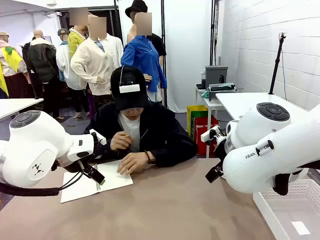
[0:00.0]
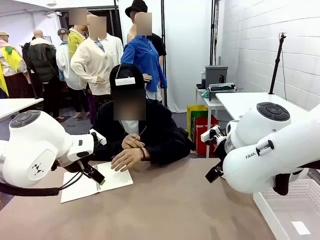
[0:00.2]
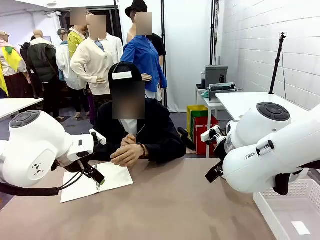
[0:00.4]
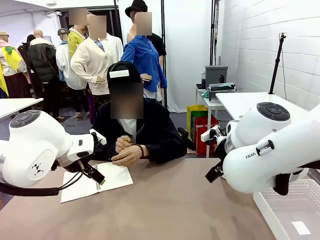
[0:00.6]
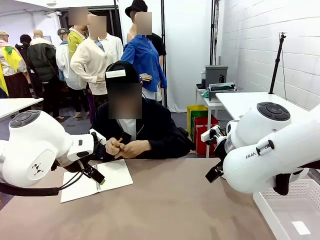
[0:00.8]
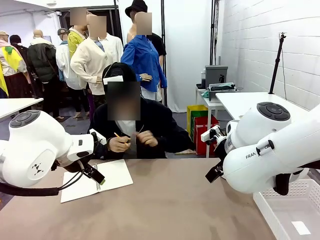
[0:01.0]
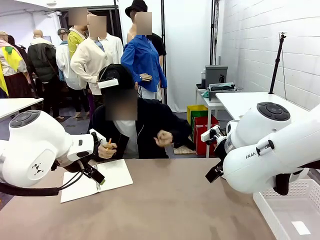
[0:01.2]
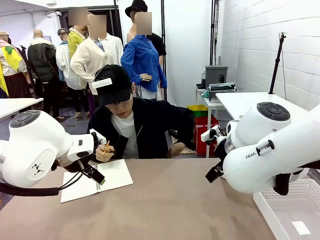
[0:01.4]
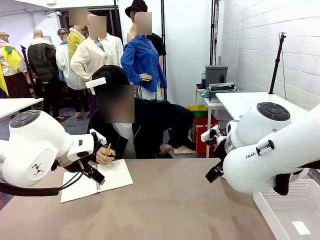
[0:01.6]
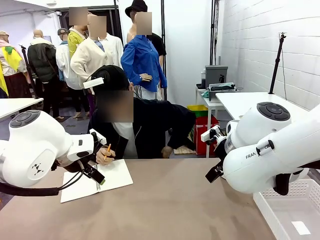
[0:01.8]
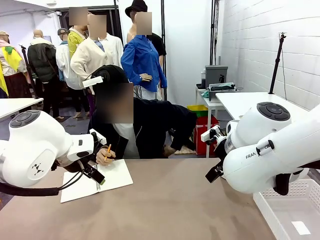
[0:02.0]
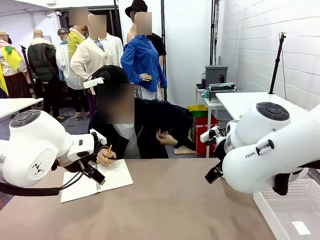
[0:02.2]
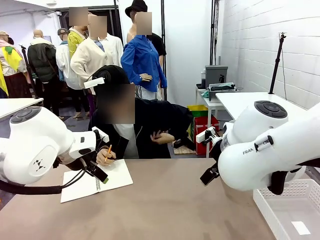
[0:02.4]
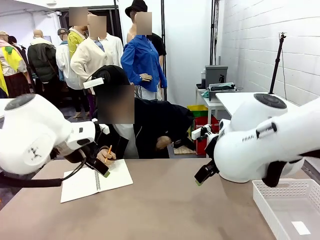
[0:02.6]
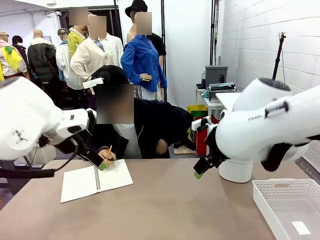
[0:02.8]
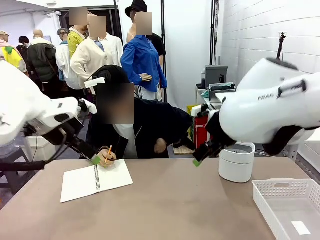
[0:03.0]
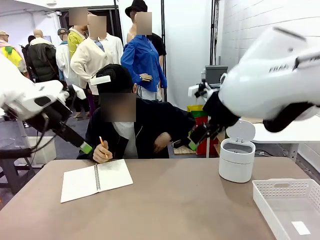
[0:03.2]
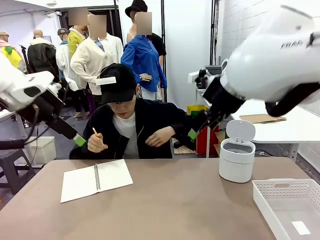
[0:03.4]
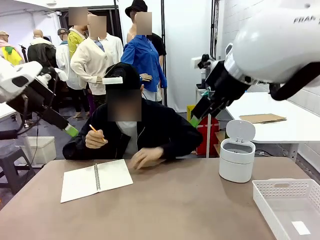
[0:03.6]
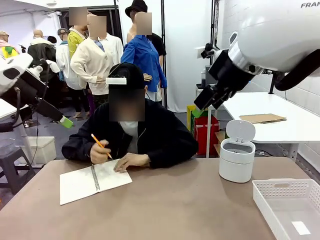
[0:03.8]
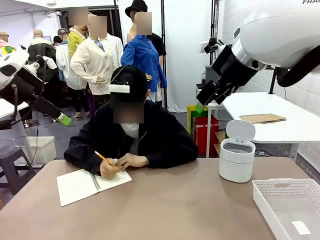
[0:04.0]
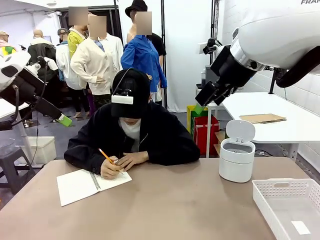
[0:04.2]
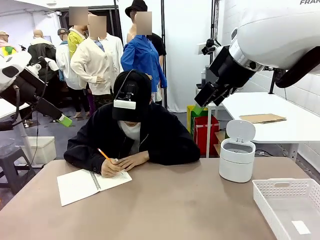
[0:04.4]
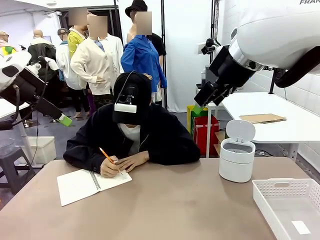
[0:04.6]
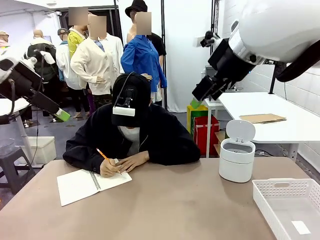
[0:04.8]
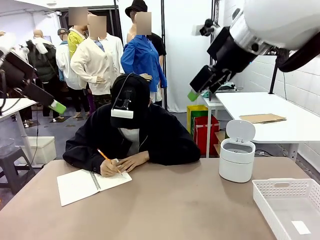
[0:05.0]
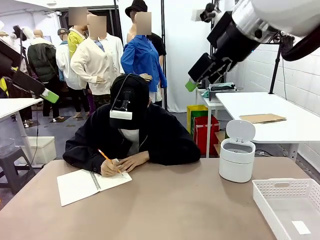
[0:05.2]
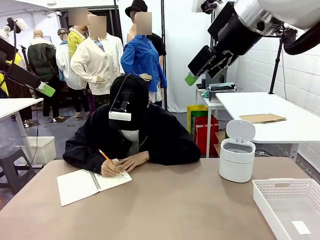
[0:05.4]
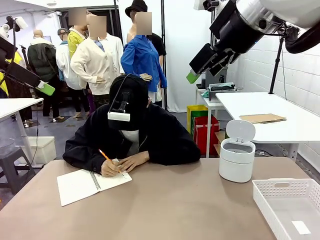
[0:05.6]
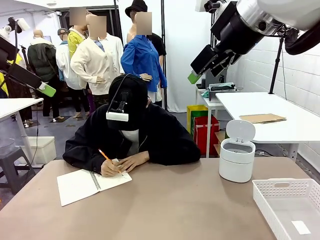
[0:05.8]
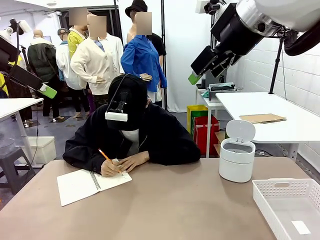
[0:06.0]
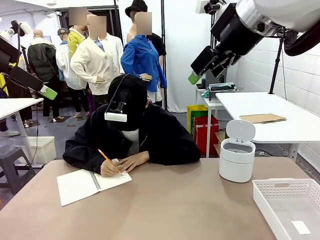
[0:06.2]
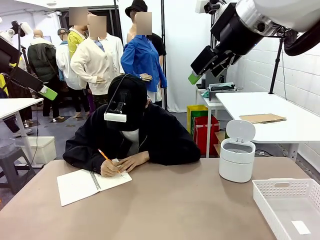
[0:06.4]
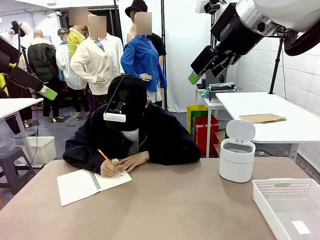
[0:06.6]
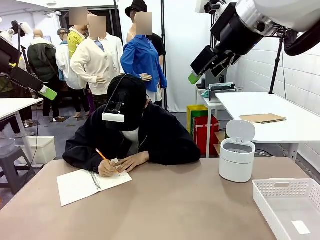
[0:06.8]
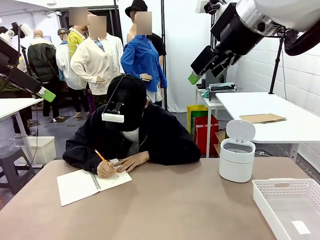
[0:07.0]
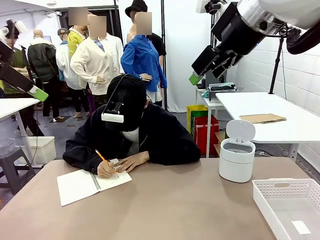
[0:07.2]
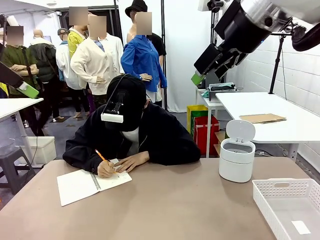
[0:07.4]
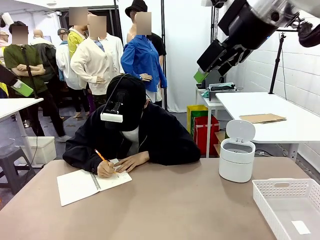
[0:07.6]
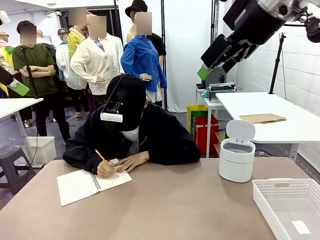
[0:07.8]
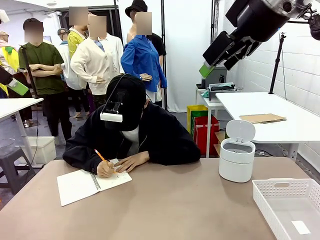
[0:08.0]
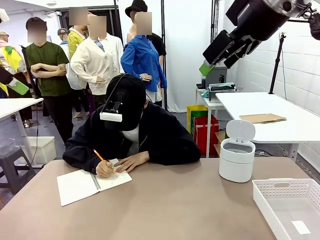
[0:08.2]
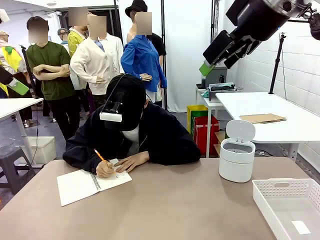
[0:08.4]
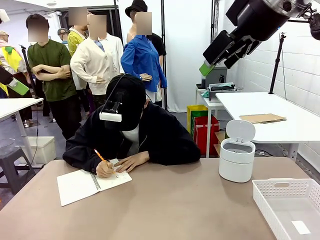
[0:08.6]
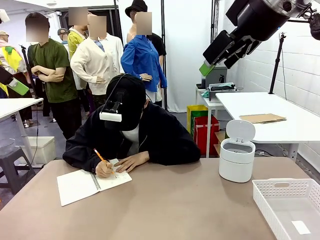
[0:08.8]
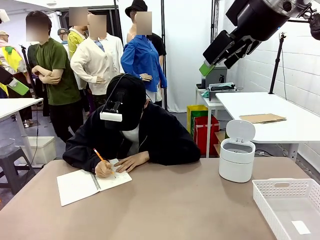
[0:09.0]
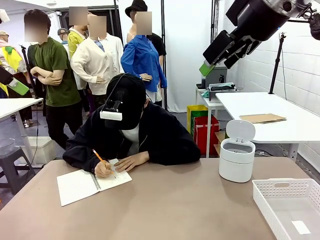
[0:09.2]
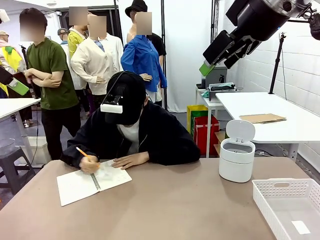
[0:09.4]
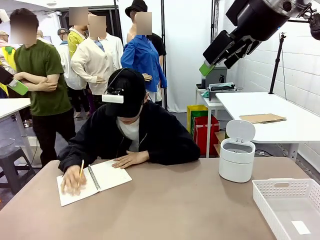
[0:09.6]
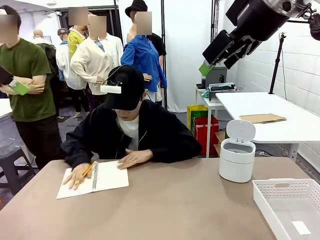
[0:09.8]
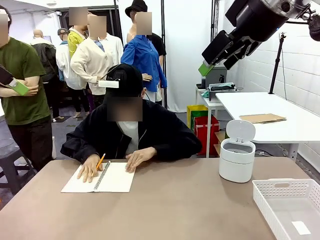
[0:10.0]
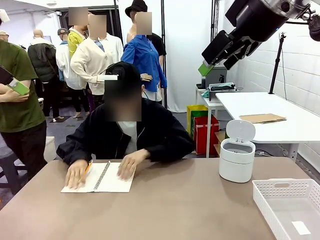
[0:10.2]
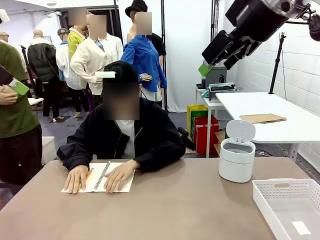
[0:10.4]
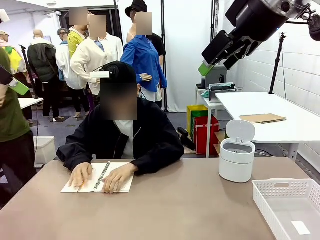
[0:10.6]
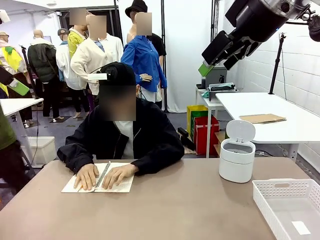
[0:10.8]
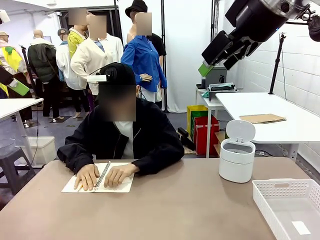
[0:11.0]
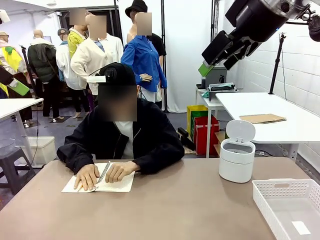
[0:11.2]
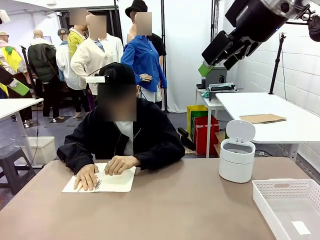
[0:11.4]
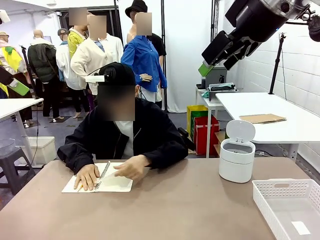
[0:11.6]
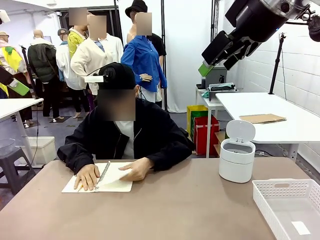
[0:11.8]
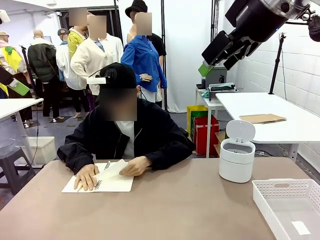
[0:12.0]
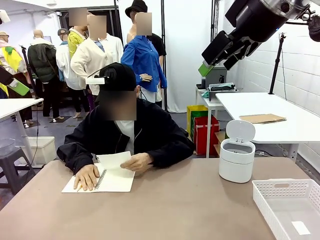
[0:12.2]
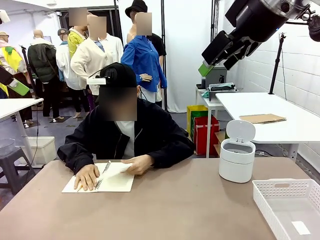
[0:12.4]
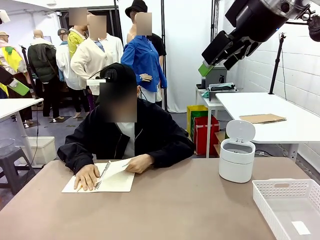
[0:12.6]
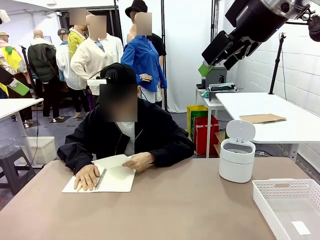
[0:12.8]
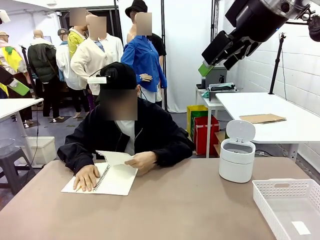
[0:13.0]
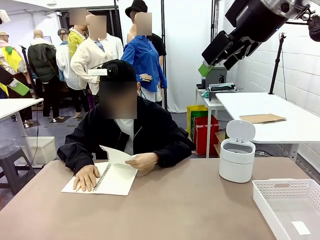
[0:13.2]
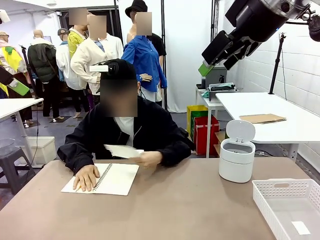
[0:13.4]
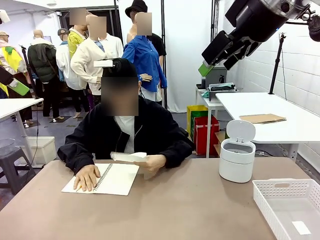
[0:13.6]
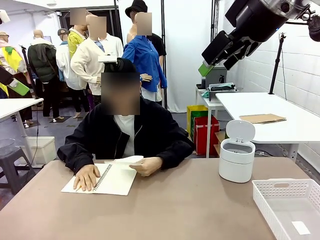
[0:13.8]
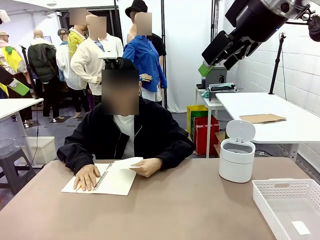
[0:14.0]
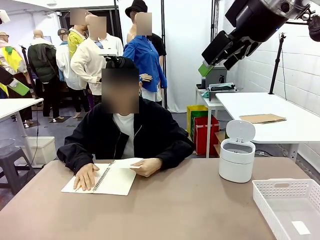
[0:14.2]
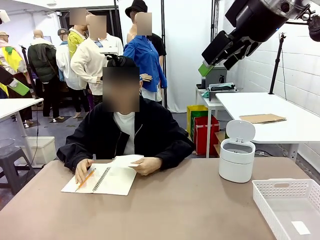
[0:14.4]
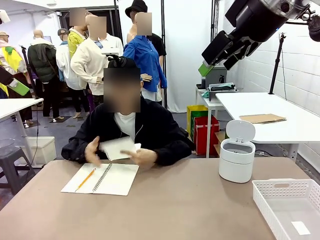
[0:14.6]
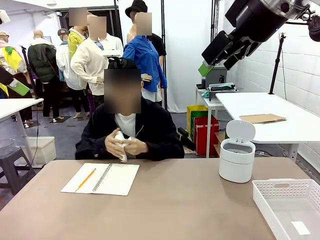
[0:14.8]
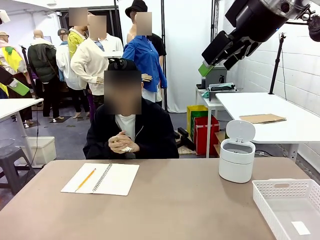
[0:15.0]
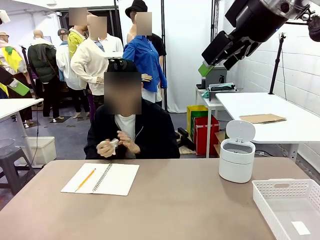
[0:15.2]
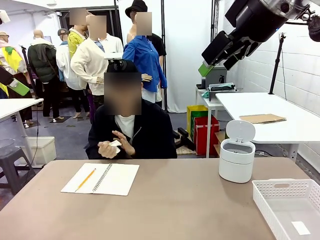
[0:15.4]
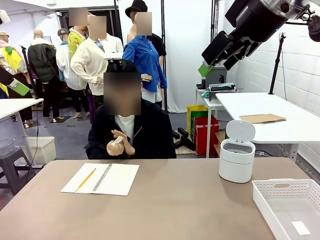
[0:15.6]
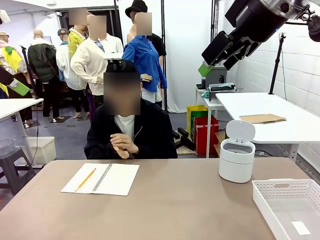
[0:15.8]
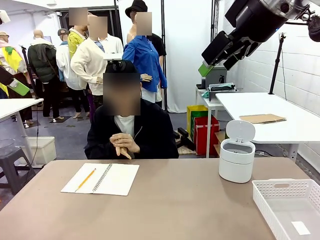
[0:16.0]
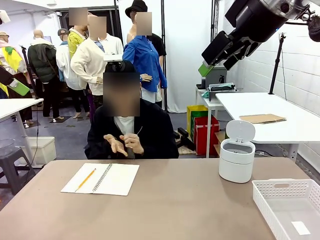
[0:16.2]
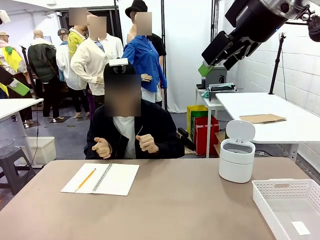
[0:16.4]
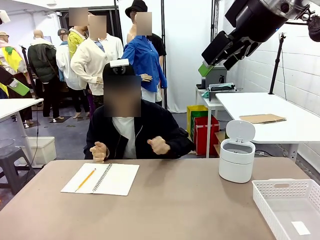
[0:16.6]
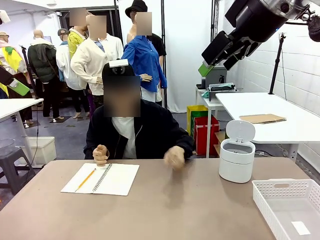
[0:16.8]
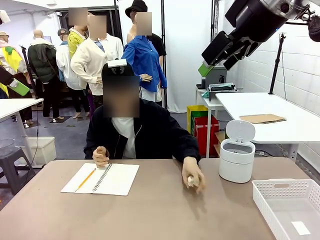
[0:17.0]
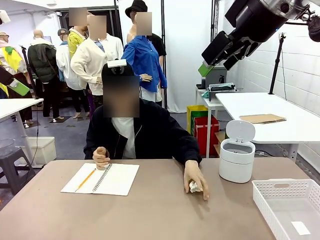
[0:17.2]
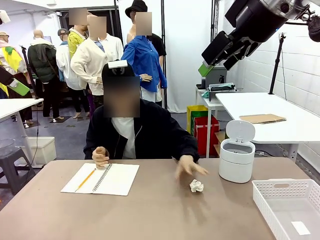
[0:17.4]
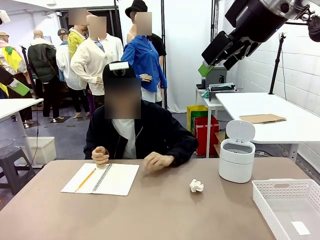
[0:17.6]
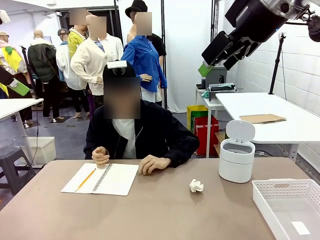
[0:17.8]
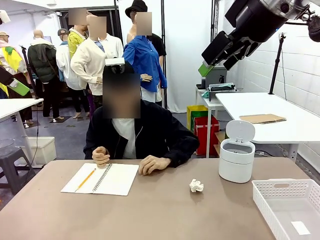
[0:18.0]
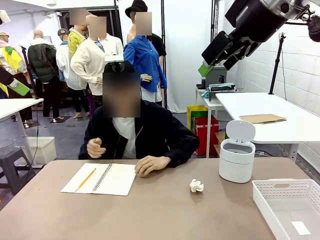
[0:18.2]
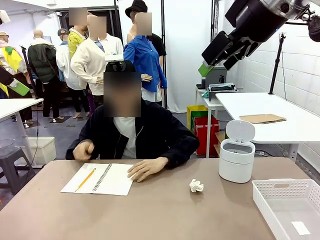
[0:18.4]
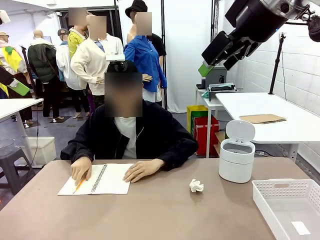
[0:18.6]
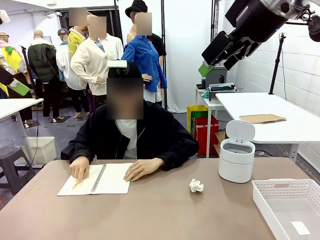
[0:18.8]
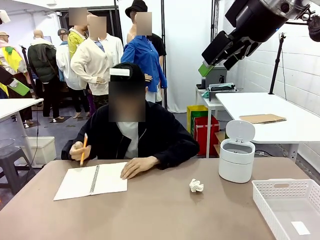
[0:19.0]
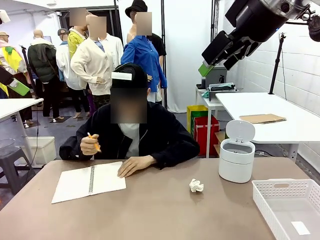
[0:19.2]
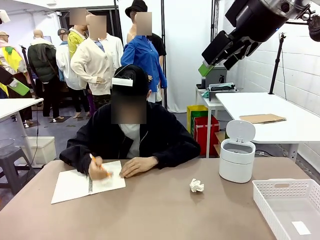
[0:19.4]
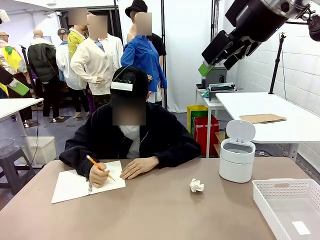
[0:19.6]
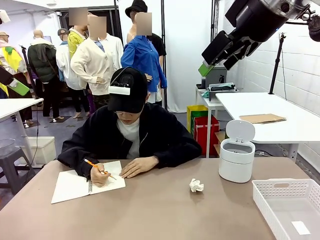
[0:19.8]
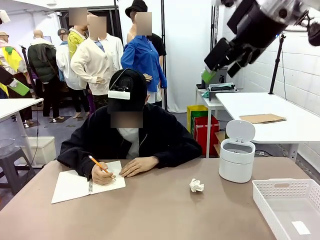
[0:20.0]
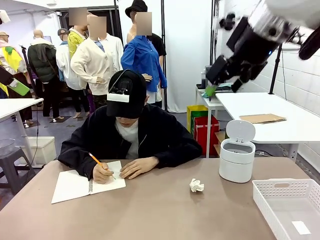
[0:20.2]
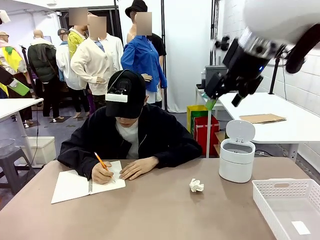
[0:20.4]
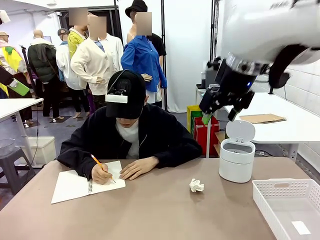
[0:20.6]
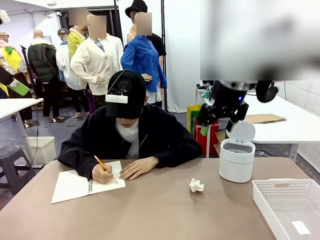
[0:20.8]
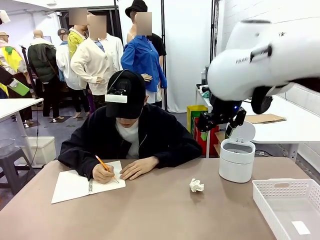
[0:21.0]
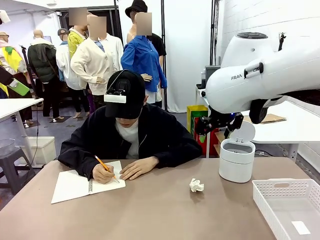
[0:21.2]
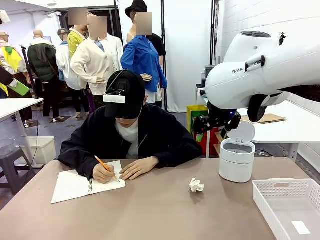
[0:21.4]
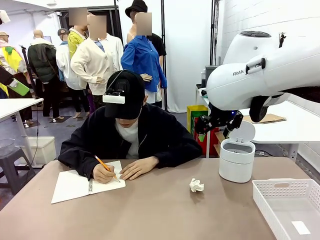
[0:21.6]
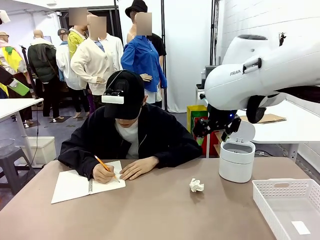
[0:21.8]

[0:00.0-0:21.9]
Task: Sort the paper based on its condition.
Robot: If a person hands you a paper, place it in the Organizing basket , and if it's crumpled, put it in the Trash can.
Person: Tear out a page from the spiral notebook. Hand the torn page to the robot or crumple it and throw it to the center of the table.
